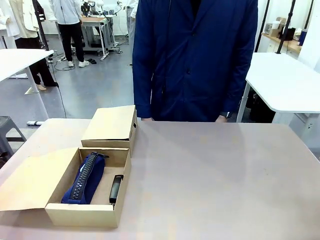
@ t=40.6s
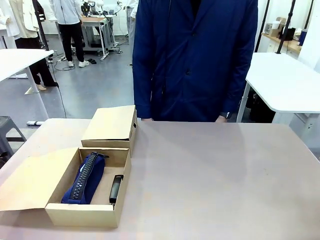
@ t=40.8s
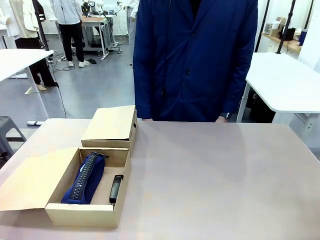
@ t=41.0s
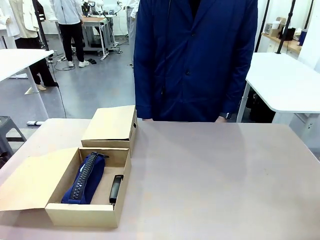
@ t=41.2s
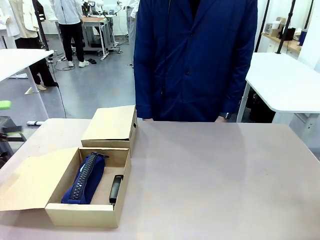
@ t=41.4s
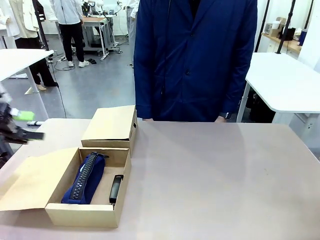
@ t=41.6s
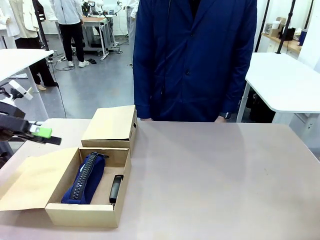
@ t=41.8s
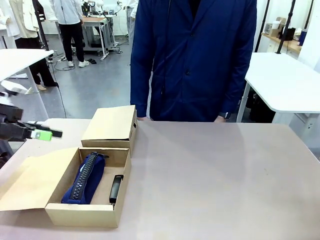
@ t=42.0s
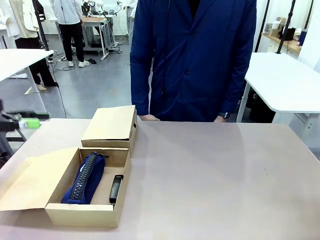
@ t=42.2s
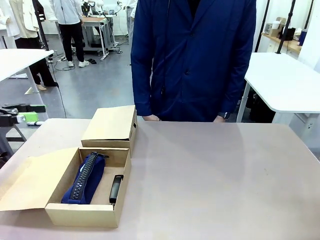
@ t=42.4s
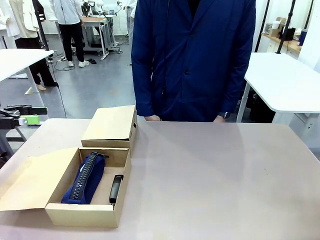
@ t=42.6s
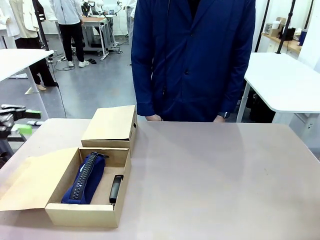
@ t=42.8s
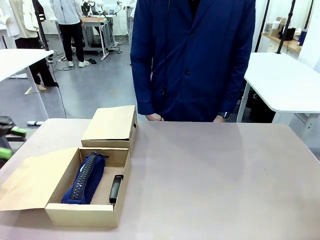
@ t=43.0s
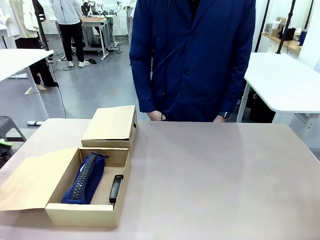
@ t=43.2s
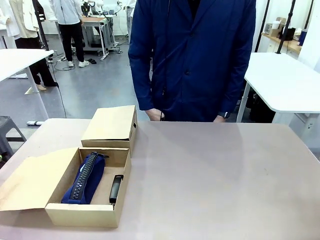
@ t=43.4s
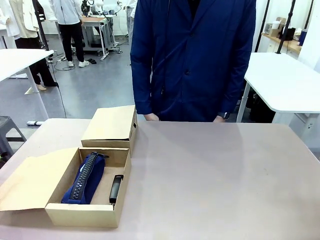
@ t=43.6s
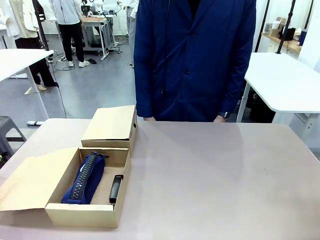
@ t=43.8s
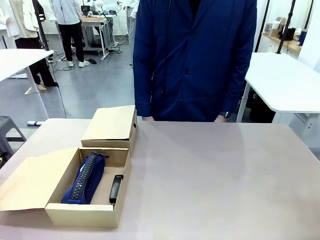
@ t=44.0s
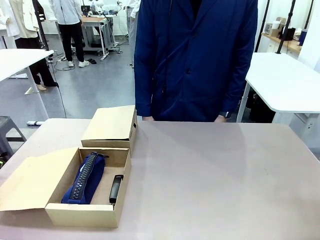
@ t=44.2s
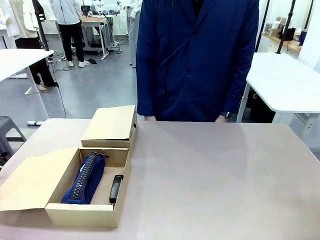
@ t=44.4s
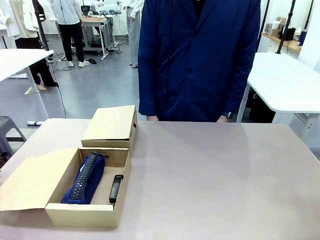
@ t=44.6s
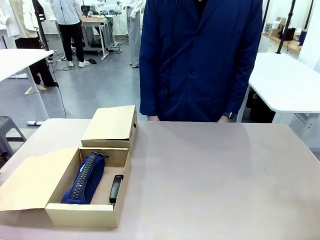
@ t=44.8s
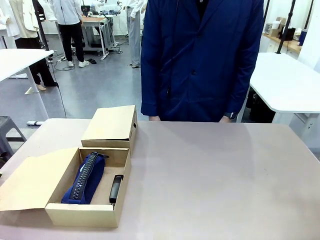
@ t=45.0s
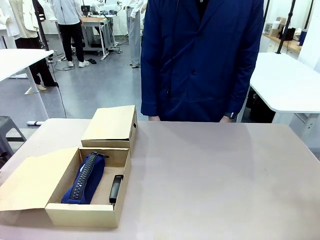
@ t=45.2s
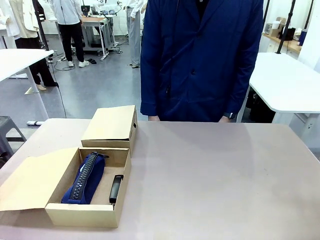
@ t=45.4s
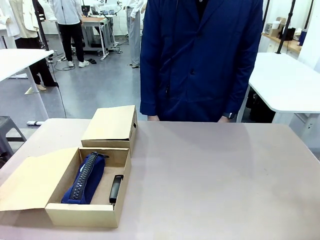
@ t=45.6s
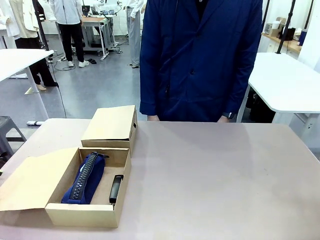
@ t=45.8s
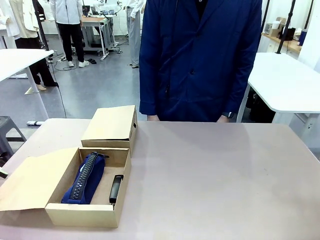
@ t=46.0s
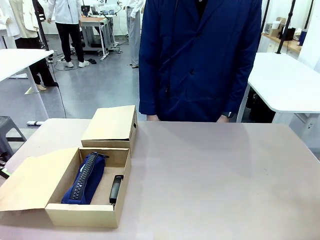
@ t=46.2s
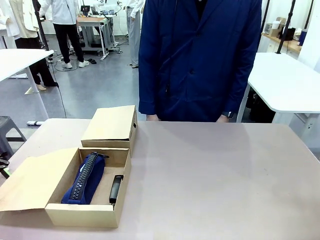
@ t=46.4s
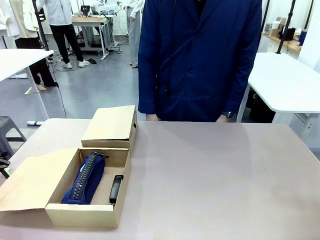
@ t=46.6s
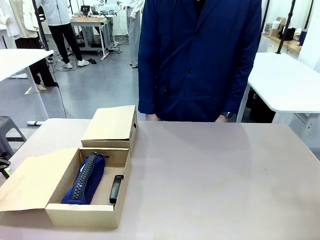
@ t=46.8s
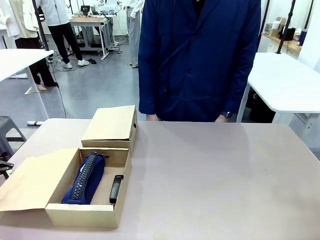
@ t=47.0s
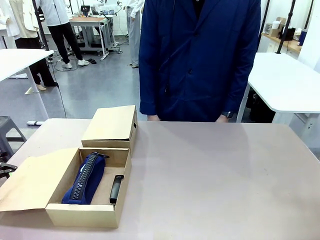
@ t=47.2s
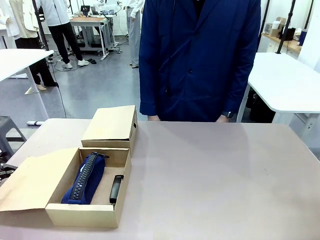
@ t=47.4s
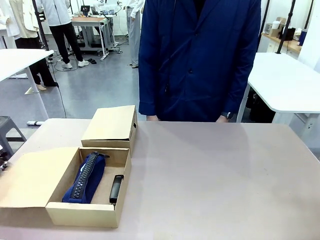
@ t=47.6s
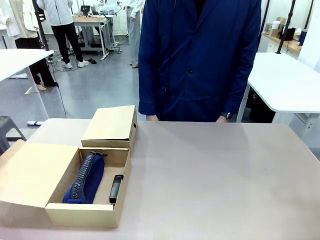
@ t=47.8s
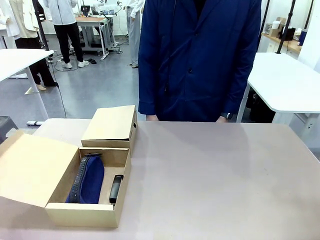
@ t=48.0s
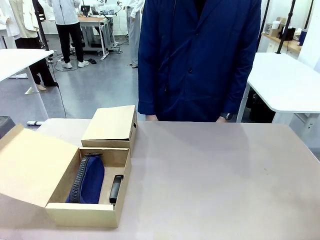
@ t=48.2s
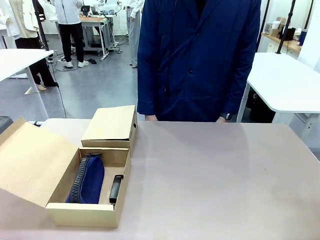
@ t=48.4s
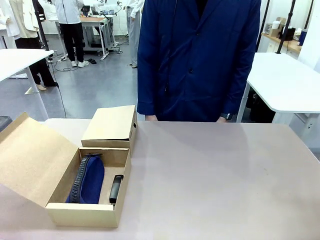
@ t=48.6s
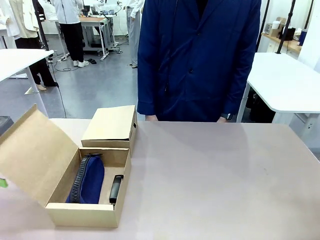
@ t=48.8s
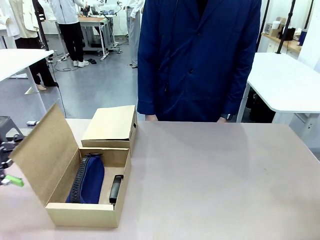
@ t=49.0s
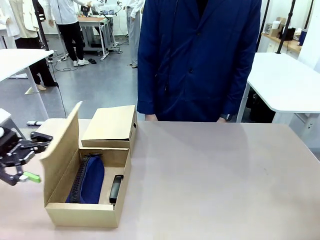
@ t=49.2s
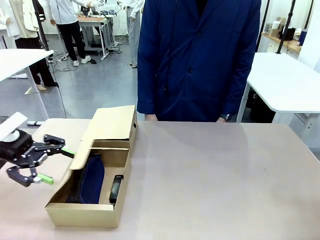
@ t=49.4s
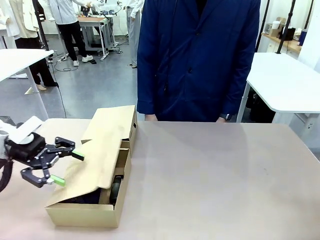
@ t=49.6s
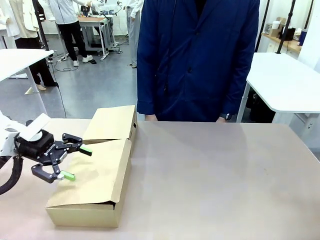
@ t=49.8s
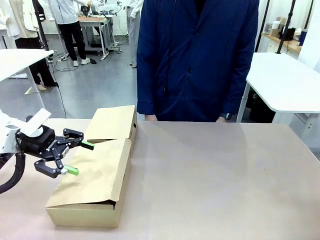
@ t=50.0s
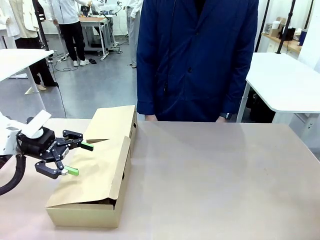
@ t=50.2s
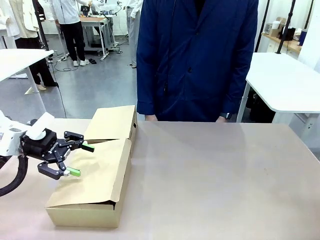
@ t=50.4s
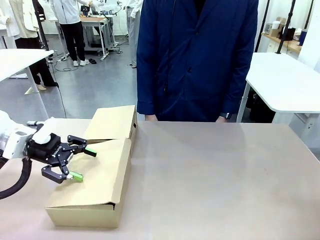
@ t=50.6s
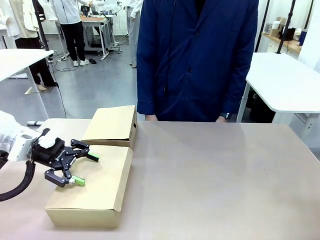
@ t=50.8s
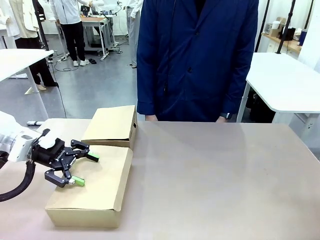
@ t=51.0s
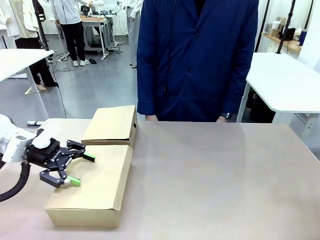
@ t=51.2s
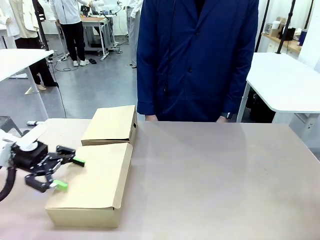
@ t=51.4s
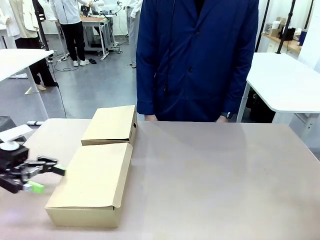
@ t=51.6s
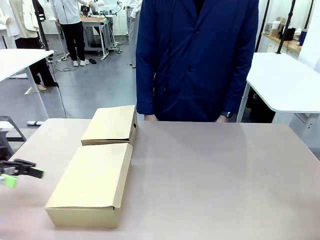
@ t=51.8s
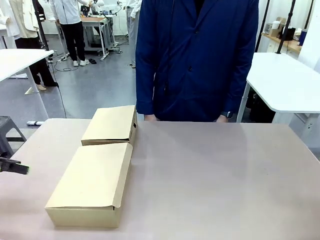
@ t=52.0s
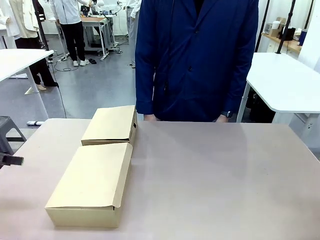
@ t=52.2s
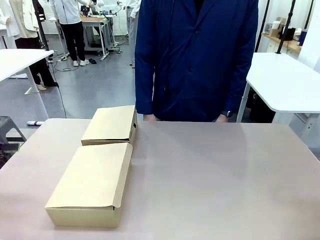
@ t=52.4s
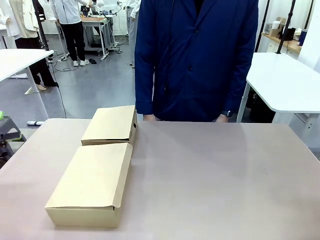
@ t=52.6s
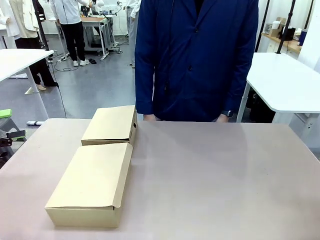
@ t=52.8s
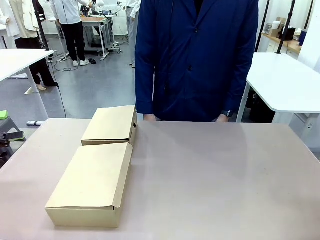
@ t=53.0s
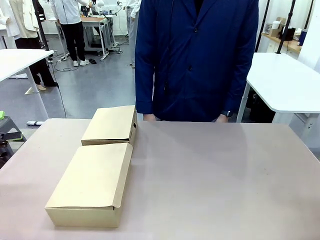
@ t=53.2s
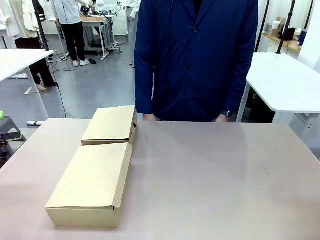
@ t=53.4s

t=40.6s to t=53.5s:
Task: Place items inside the box.
Robot: Close the lid of the Mailer Box closest to the robot.
Person: Close the lid of the box facing the person.

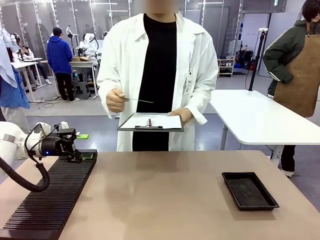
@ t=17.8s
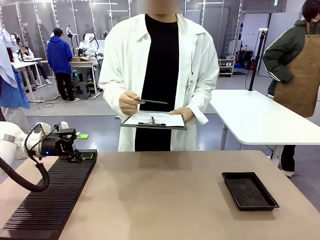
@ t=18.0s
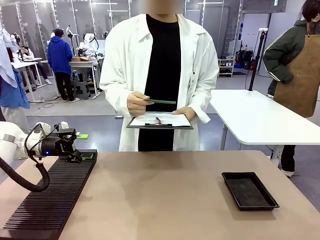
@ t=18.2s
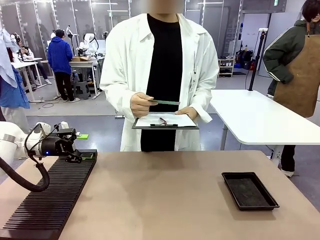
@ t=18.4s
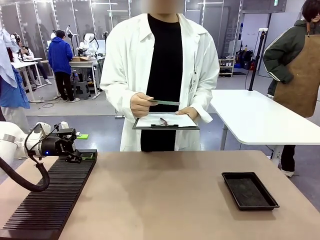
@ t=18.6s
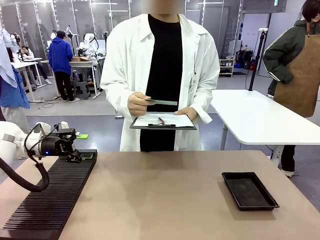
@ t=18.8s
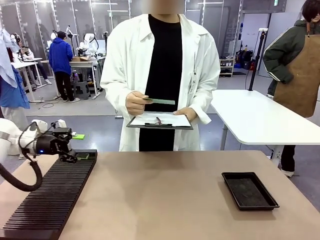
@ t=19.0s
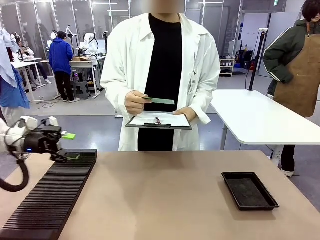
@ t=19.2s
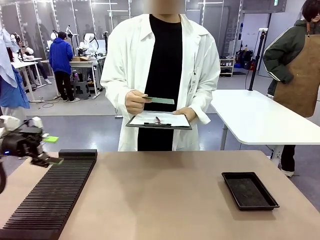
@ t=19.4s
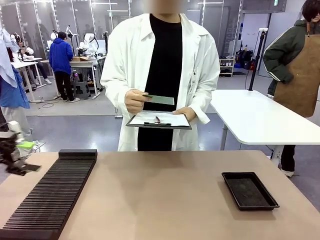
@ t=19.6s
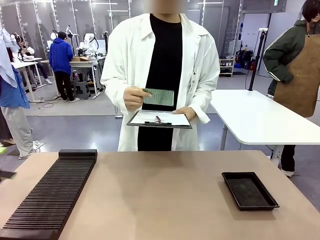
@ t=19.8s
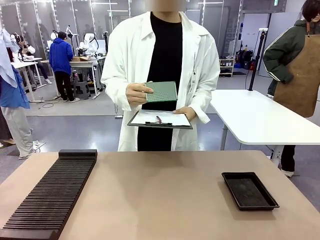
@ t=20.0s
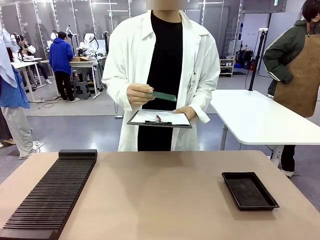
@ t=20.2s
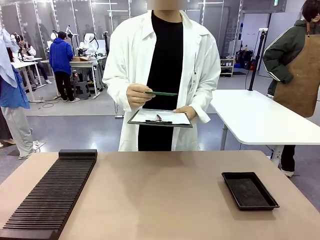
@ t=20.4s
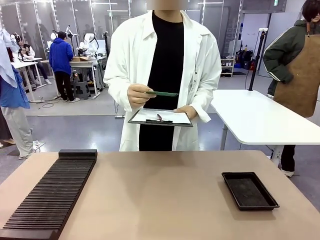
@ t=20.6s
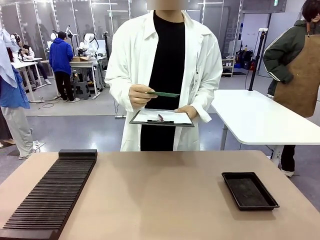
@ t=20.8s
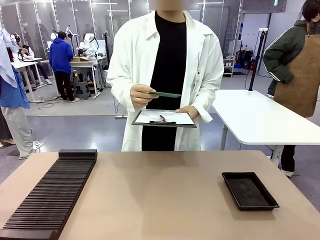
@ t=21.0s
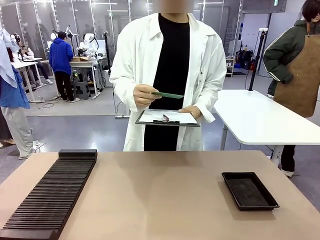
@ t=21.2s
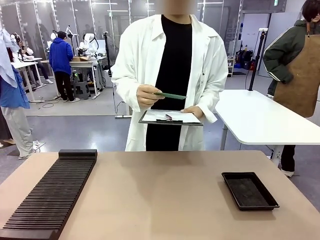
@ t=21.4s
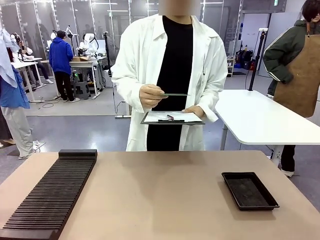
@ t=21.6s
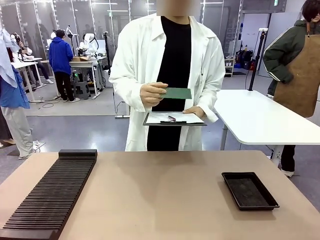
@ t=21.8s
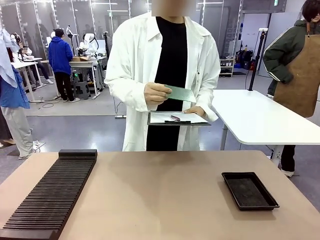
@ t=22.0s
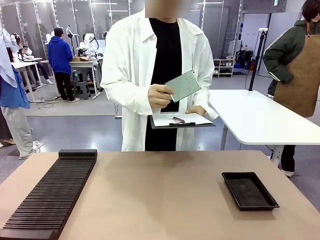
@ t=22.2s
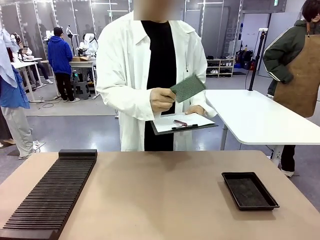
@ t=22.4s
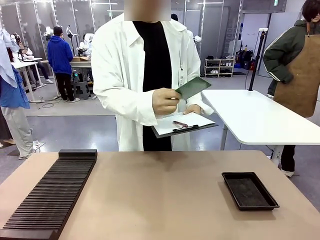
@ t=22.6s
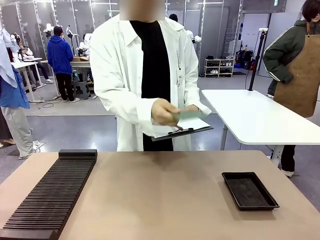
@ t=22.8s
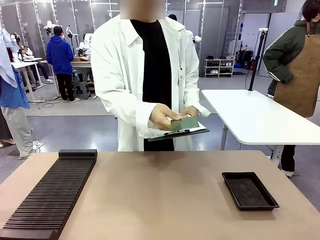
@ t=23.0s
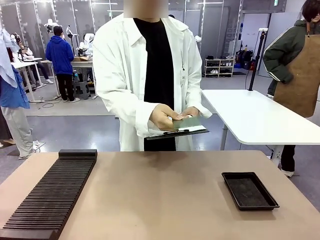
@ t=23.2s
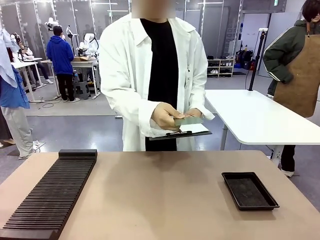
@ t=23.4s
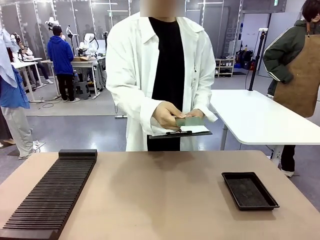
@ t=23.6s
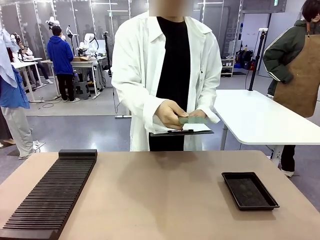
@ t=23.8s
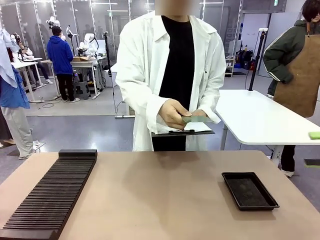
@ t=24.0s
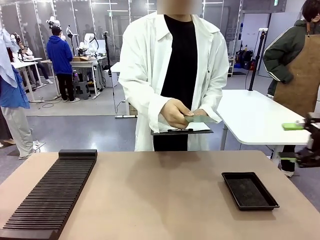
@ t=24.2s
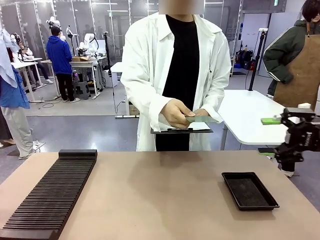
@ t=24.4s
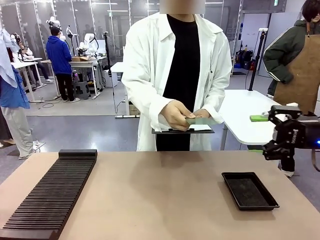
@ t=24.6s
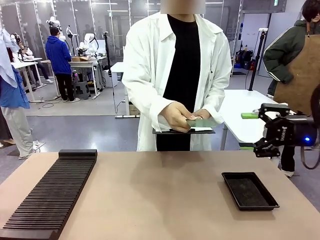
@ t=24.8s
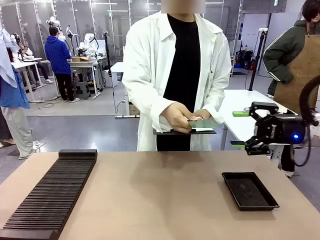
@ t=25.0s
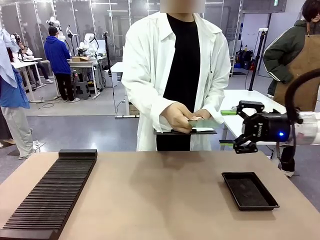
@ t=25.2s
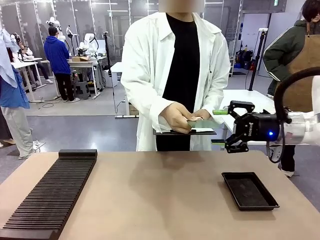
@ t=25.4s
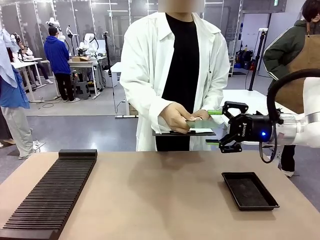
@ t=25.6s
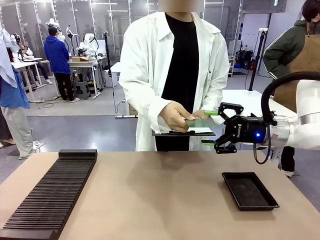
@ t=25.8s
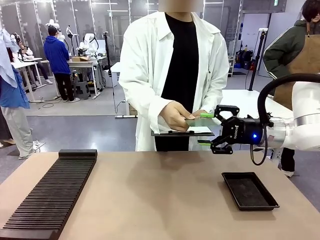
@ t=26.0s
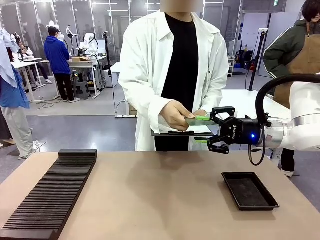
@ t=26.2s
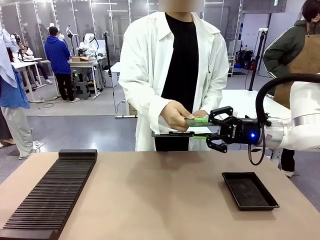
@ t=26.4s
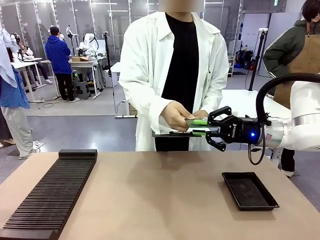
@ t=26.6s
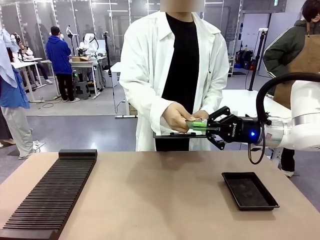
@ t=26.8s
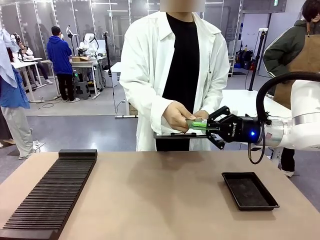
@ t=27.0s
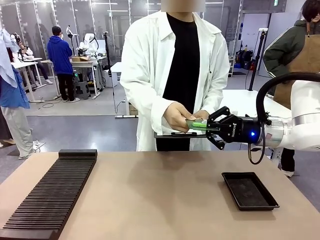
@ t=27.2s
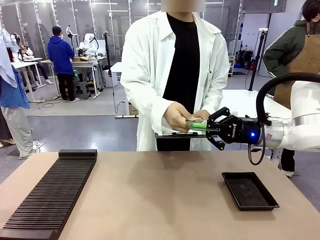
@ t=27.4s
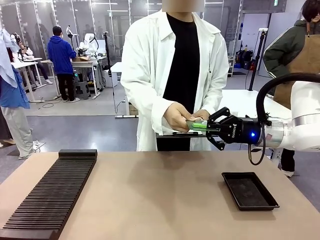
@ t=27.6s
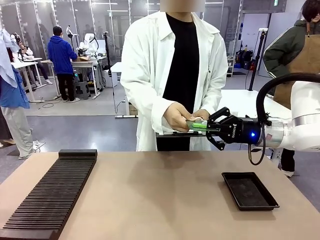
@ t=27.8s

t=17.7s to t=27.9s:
Task: Inspect the PCB.
Robot: Pick up the Blank PCB that the human is holding.
Person: Inspect the PCB placed by the robot, then hold it out in front of the robot. Release the PCB you were holding.
